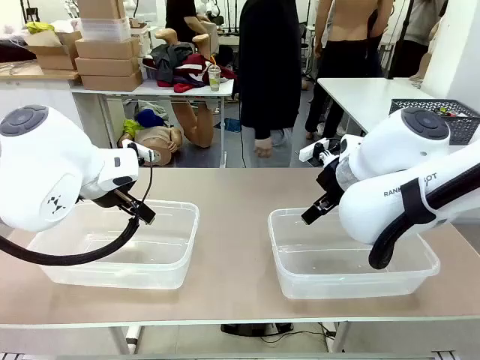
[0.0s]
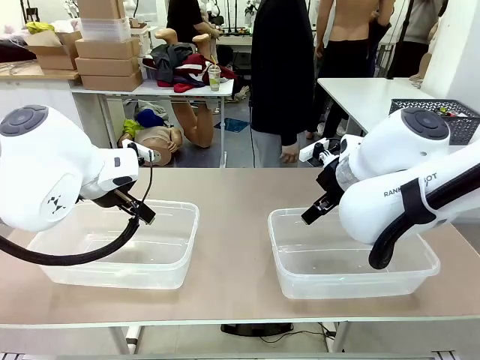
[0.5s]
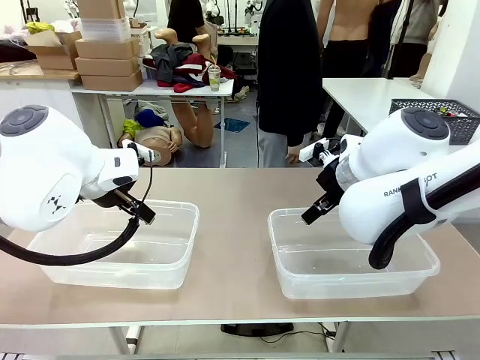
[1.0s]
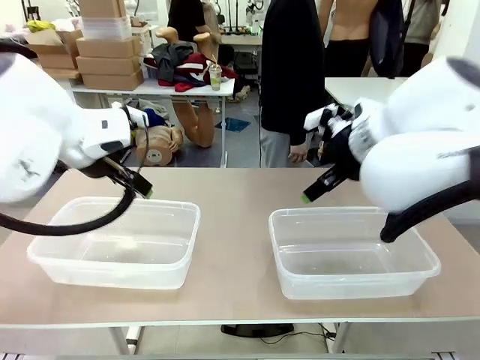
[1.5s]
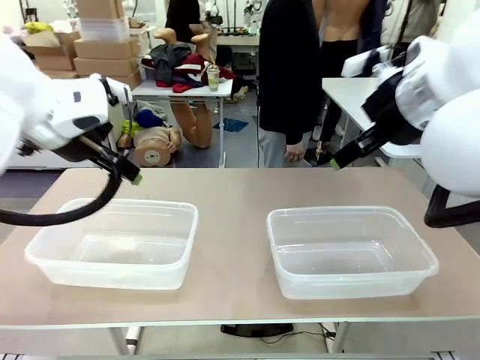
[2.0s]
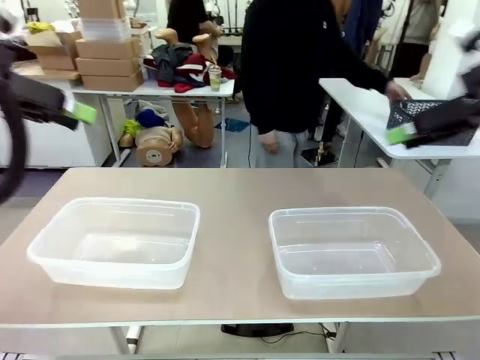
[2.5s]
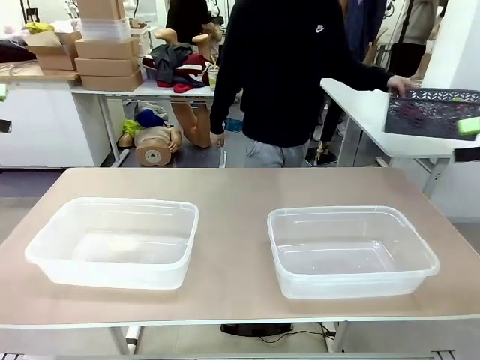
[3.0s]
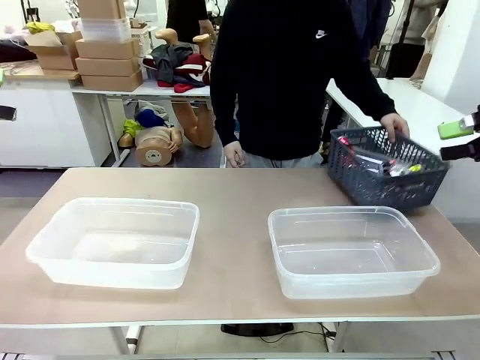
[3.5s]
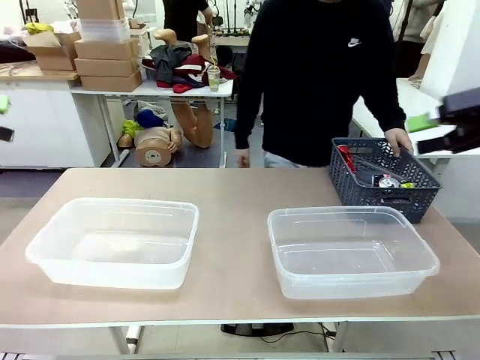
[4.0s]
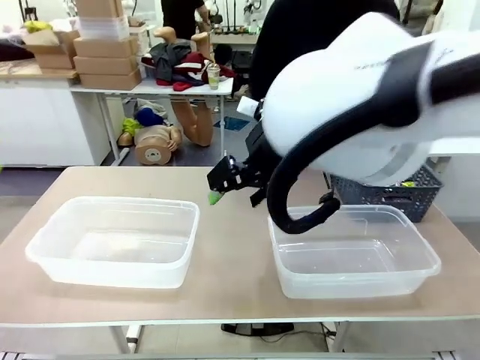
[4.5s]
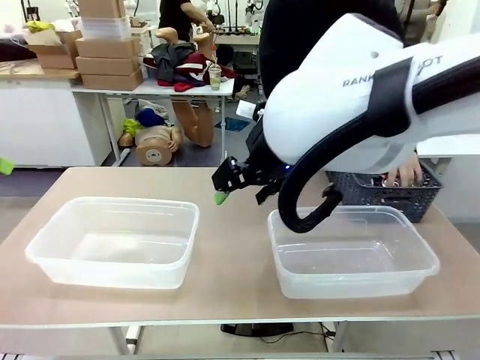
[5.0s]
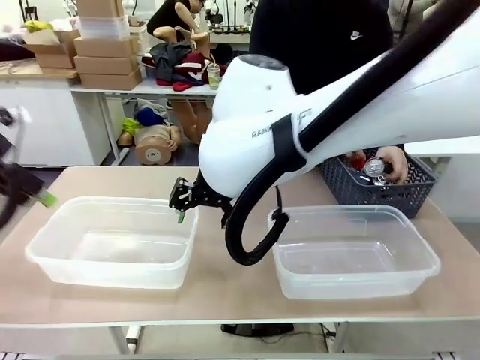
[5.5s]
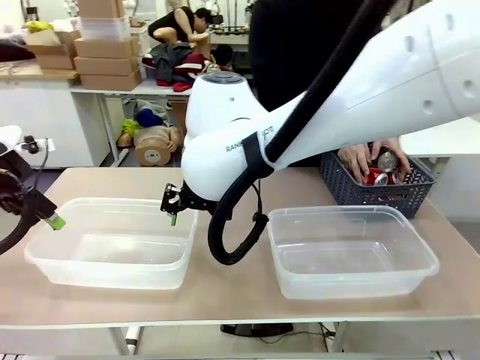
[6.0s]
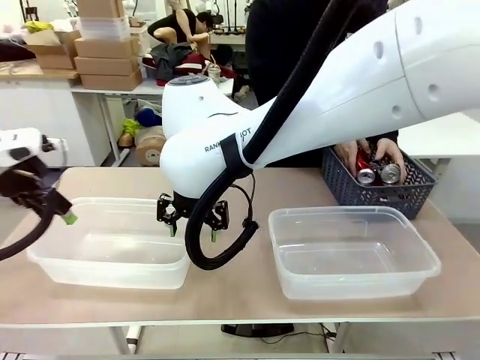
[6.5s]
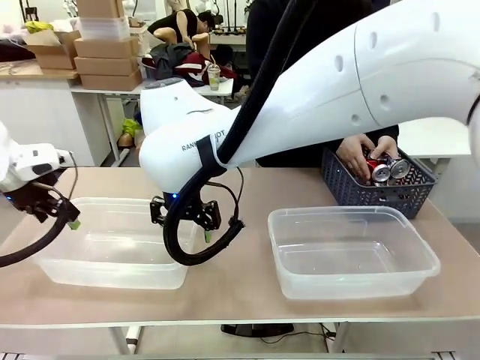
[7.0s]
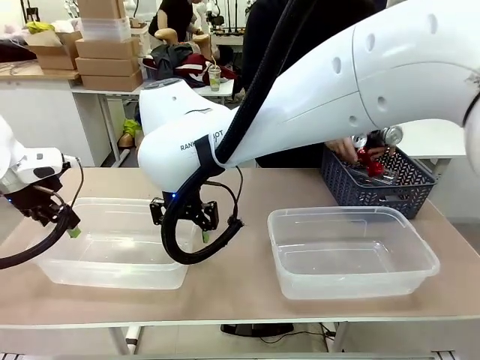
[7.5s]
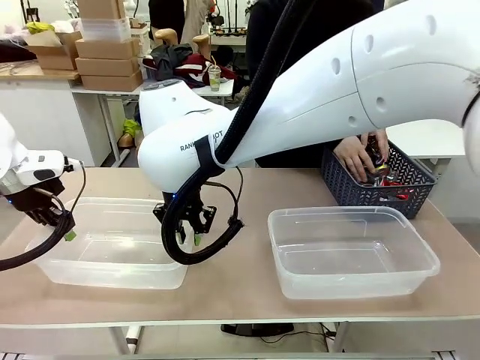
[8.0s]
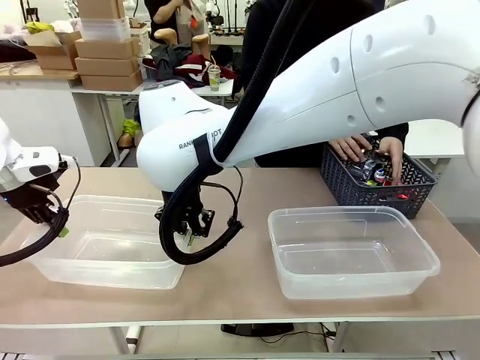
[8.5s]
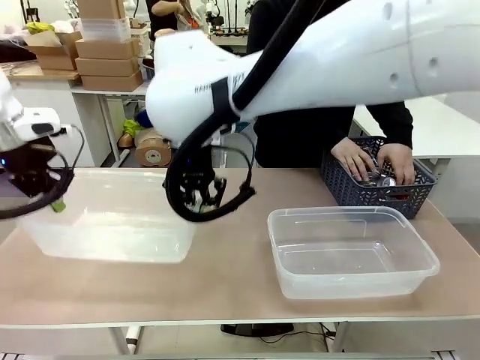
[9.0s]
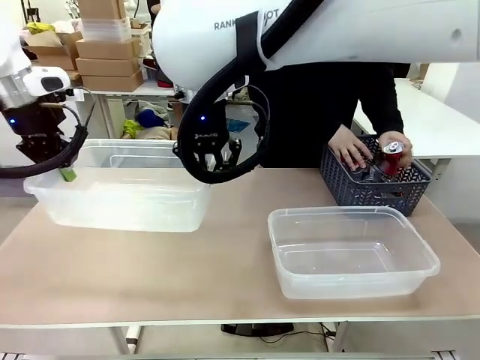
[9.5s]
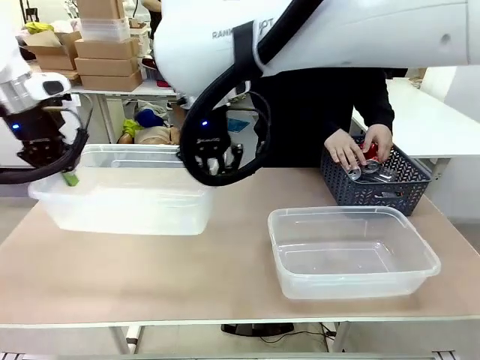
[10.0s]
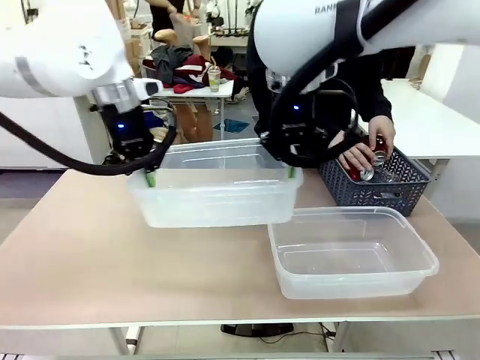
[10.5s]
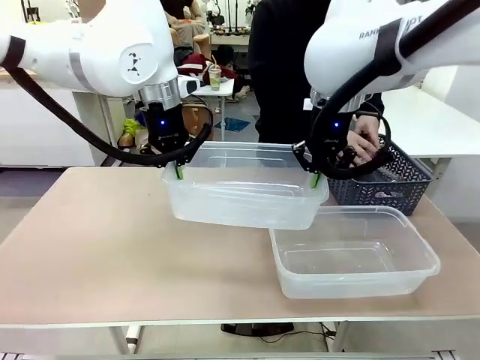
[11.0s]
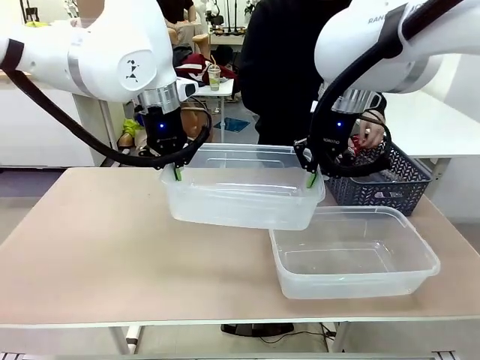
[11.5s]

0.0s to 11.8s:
Robot: Pick up the Organizing box on the left side of the table and lift it.
Person: Pick up the storage basket and place it on the left side of the robot table. Pick up can-shaped waste one by one and place it into the organizing box lifted by the robot.

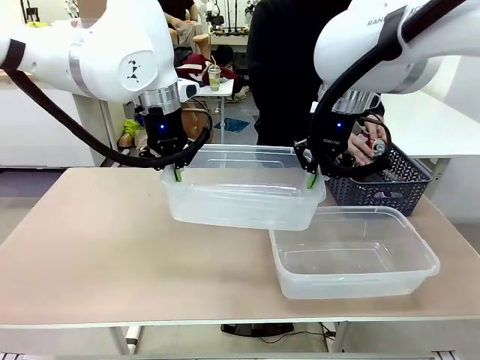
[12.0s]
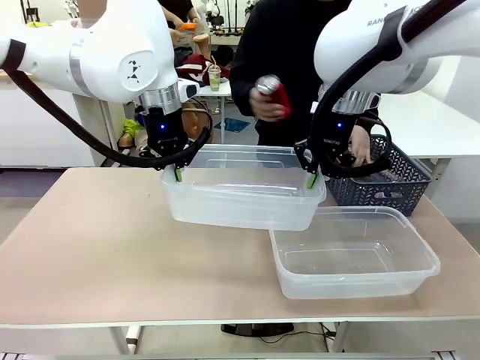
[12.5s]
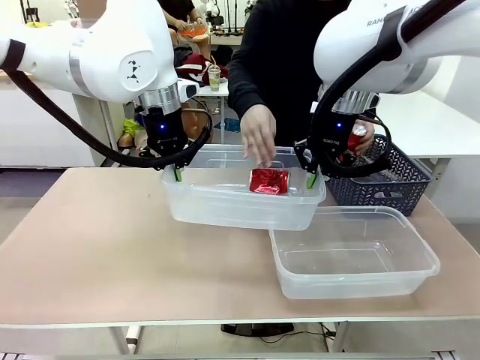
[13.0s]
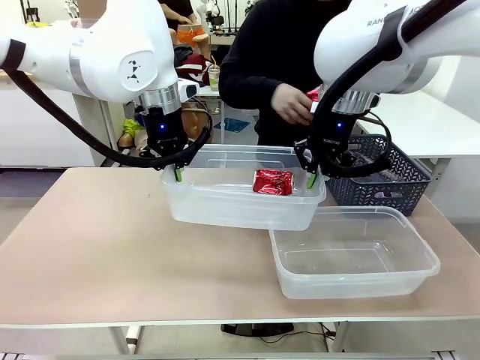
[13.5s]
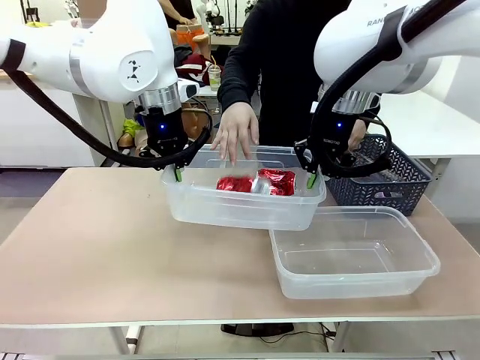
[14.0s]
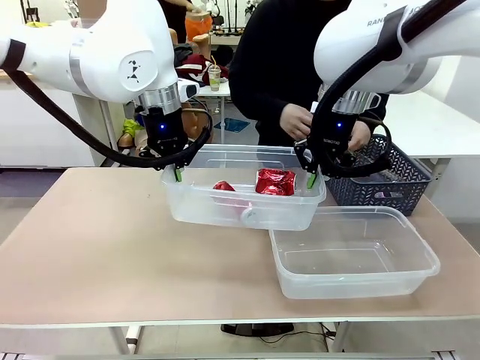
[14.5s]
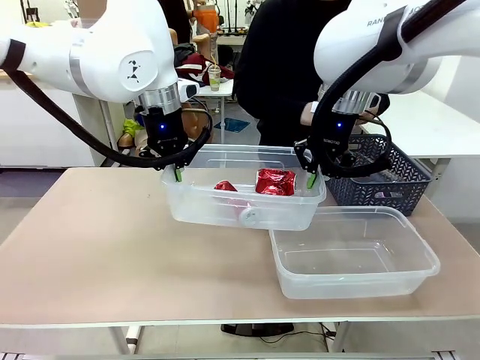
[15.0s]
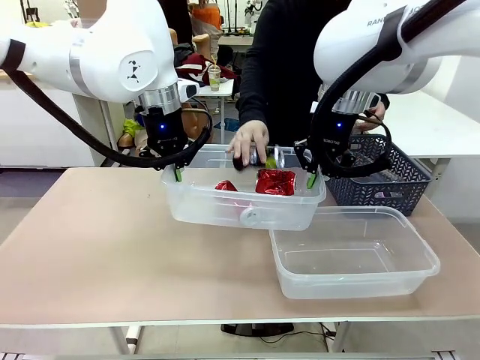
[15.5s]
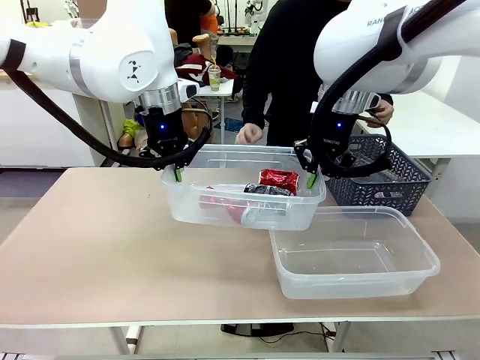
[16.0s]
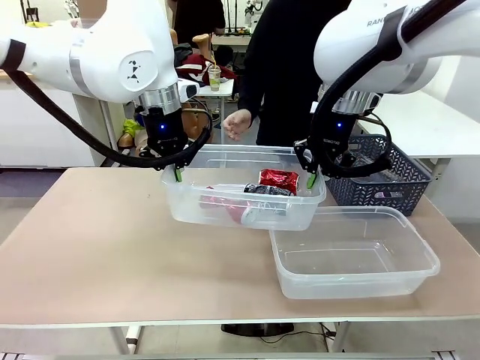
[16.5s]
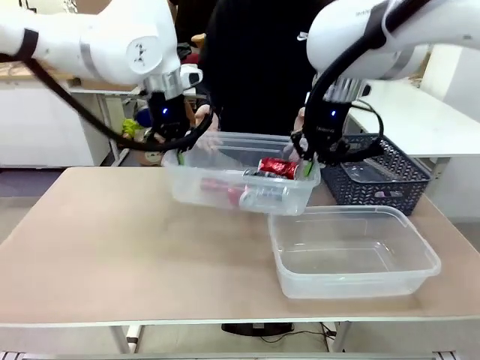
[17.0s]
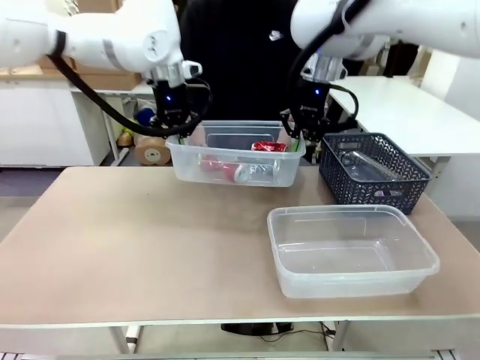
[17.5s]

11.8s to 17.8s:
Robot: Offer the picked Organizing box to the human.

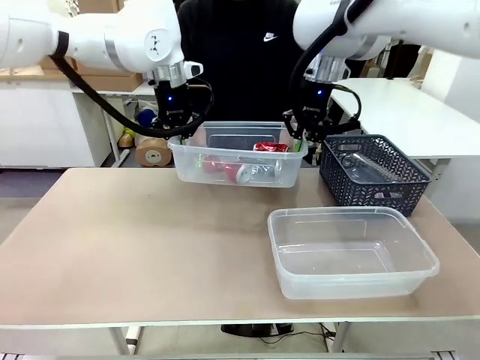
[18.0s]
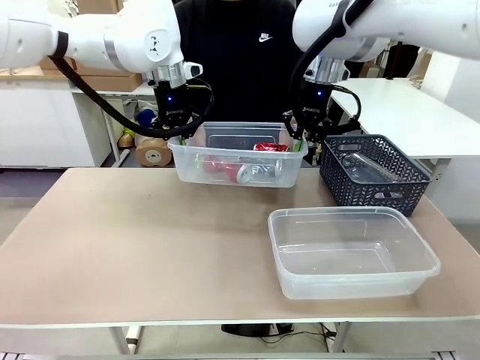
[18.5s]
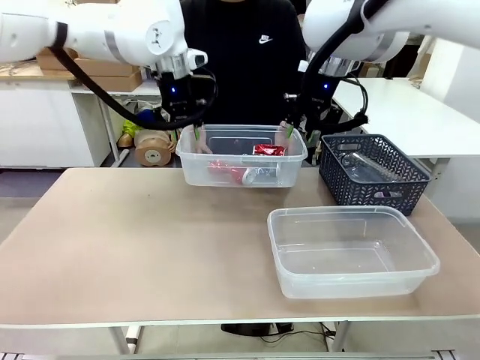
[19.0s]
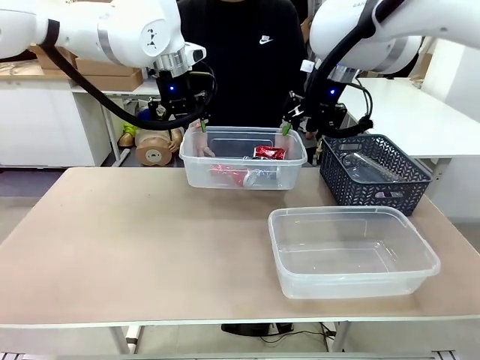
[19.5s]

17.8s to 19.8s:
Robot: Release the Organizing box you were holding.

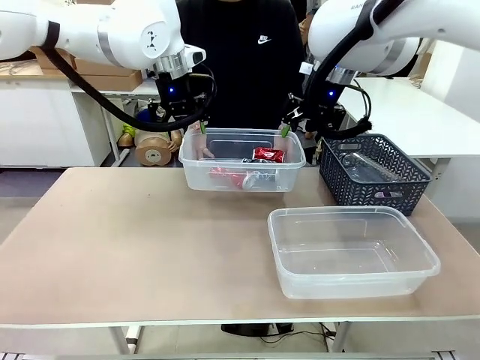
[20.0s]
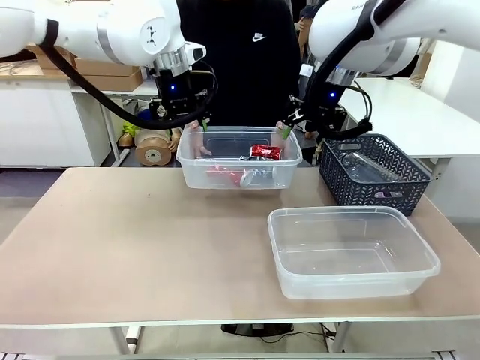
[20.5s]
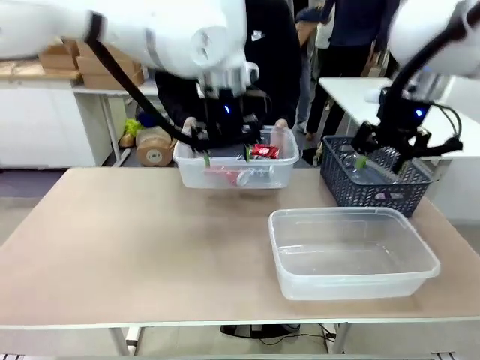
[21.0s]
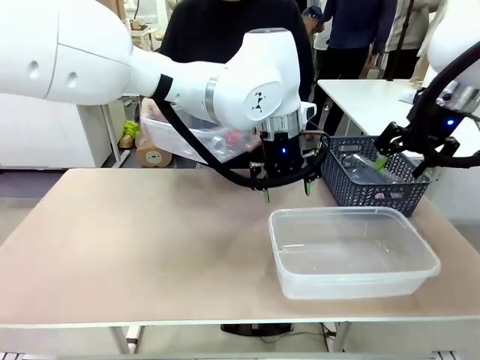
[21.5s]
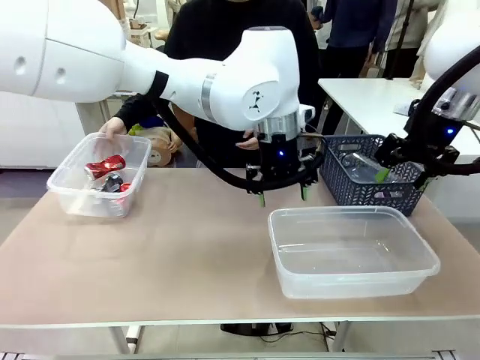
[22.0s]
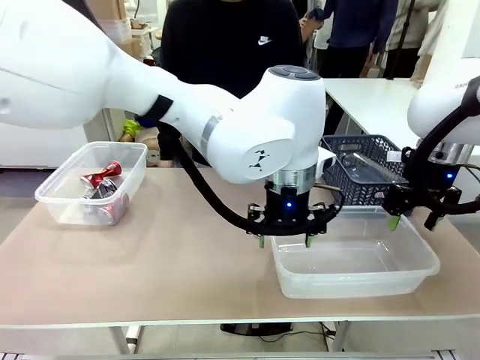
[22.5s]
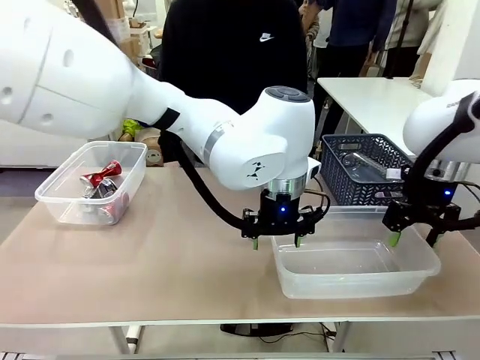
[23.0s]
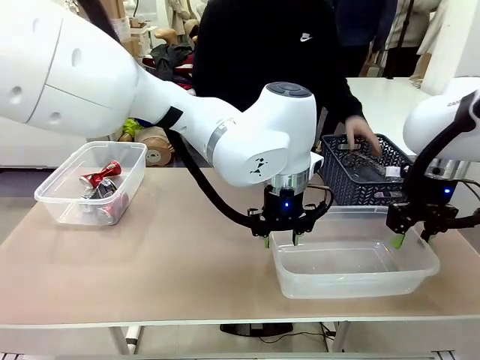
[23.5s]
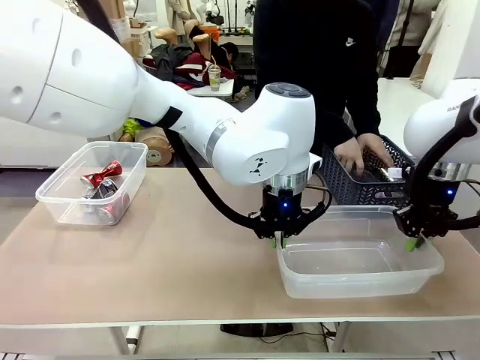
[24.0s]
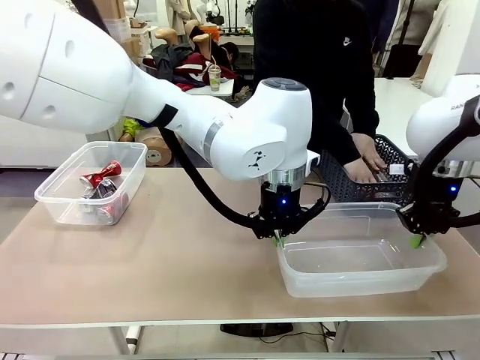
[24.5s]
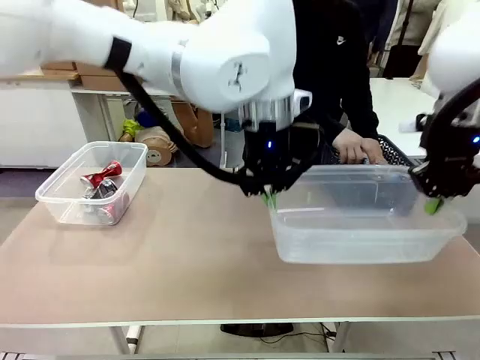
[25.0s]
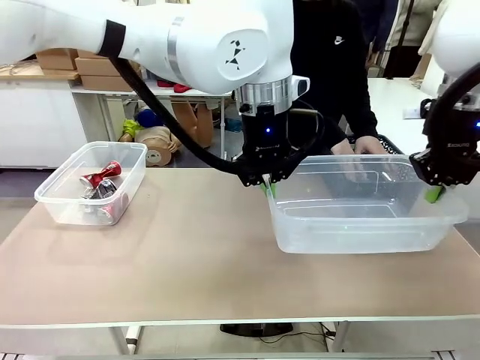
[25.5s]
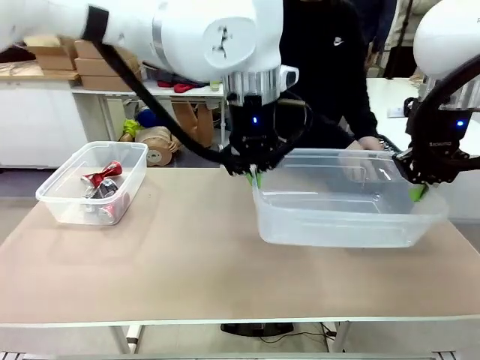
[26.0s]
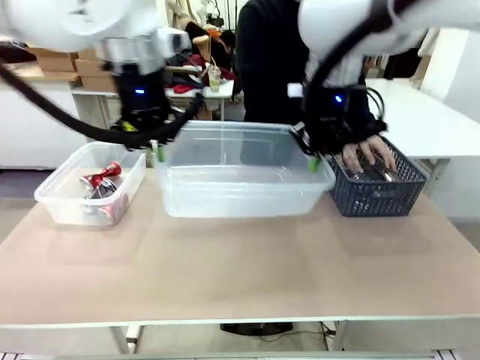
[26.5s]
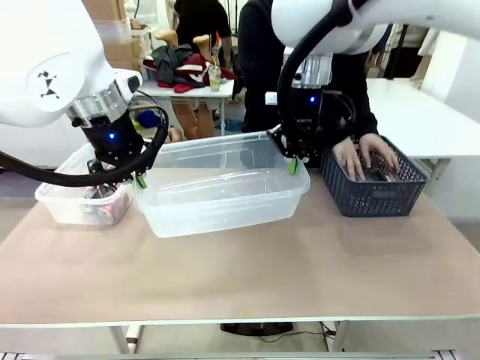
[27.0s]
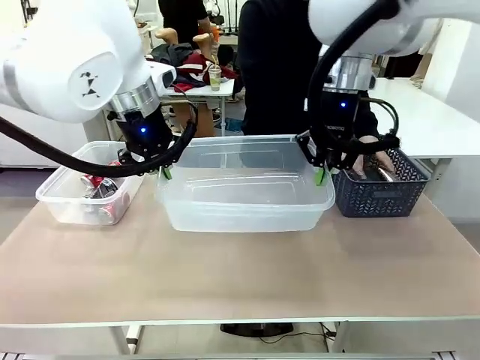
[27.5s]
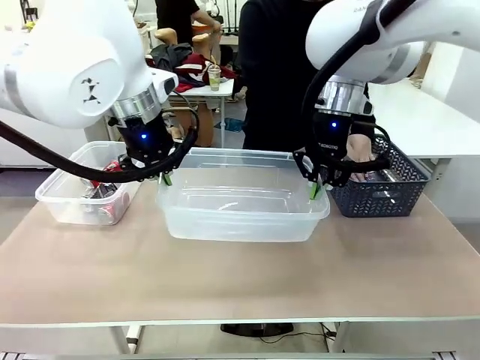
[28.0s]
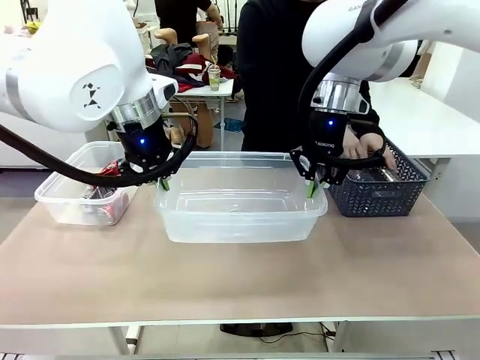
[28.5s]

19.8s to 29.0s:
Robot: Pick up the Organizing box on the right side of the table and lift it.
Person: Place it at the edge of the bottom right area of the robot table. Pick up plastic waste one by one and place it into the organizing box lifted by the robot.
